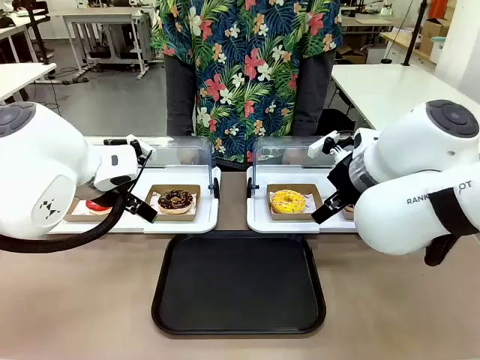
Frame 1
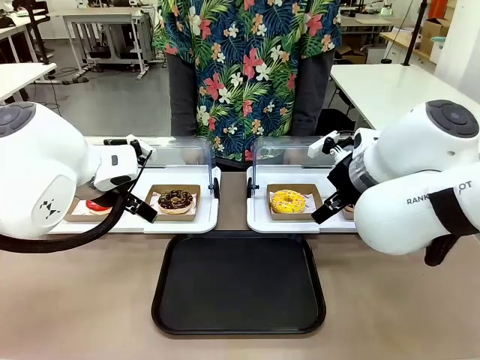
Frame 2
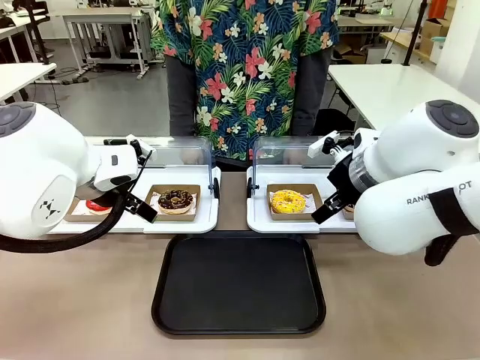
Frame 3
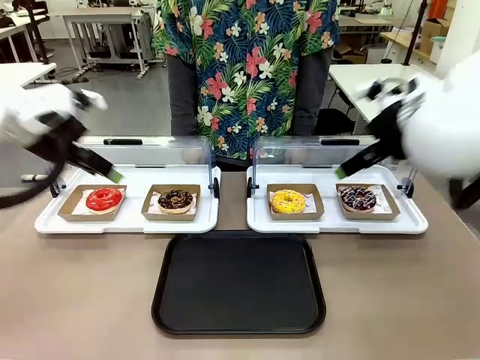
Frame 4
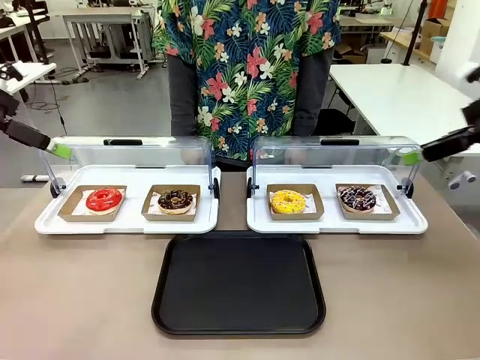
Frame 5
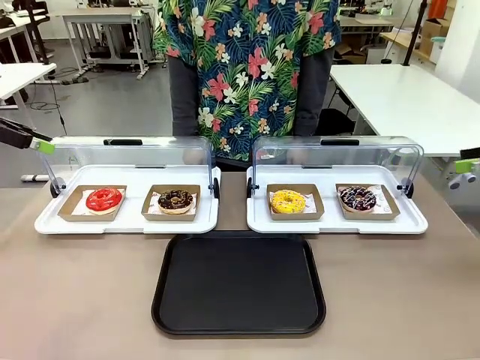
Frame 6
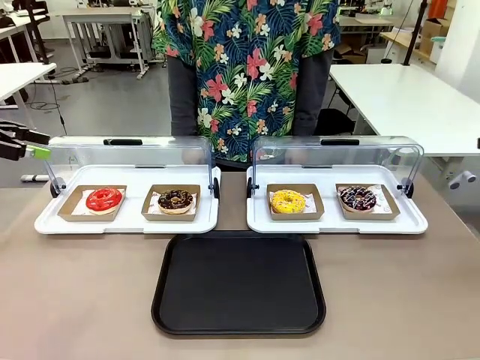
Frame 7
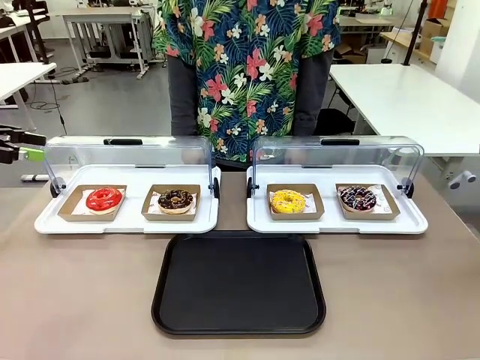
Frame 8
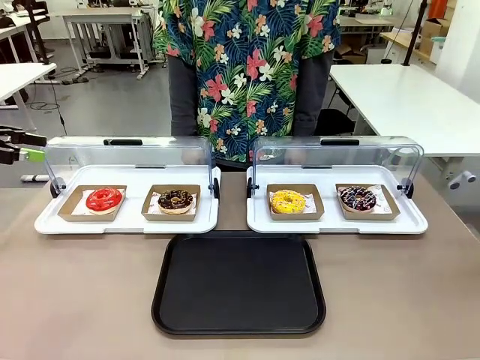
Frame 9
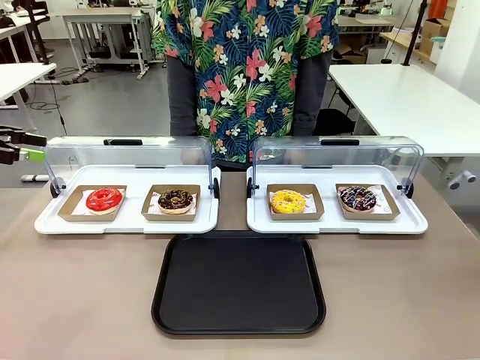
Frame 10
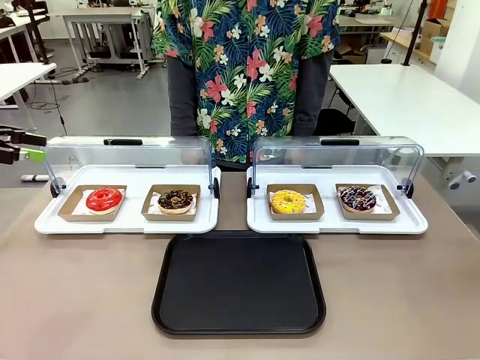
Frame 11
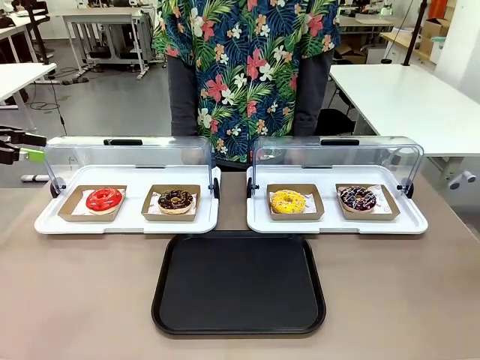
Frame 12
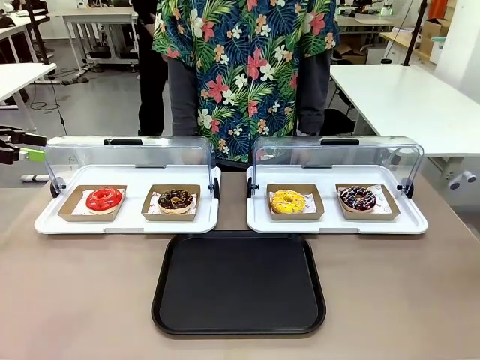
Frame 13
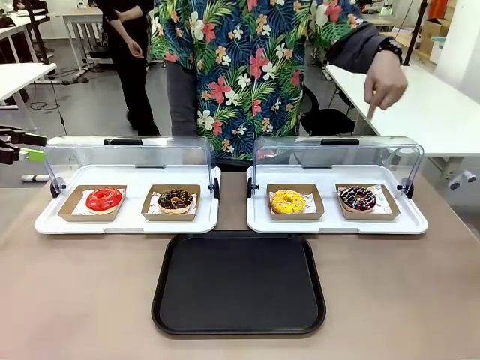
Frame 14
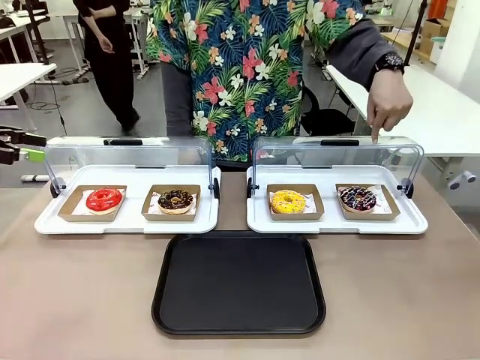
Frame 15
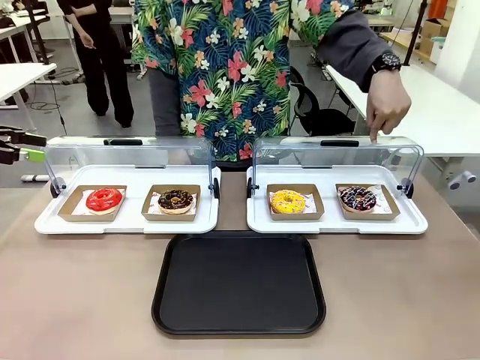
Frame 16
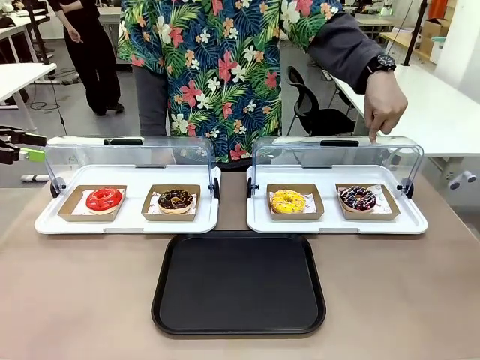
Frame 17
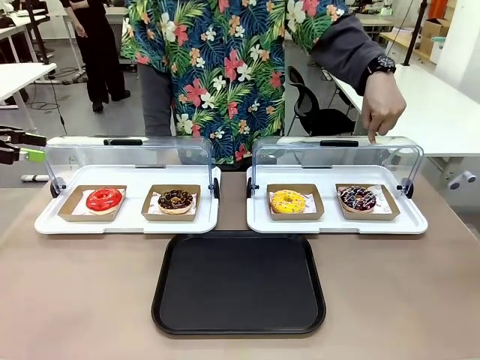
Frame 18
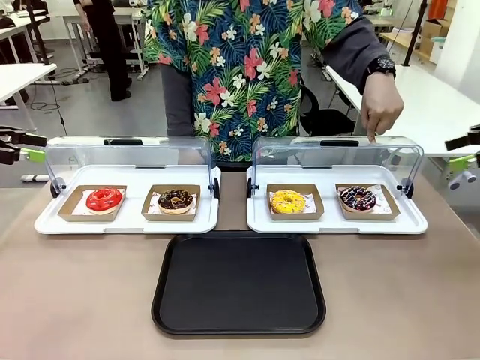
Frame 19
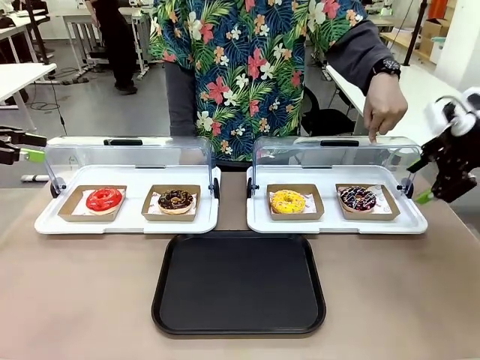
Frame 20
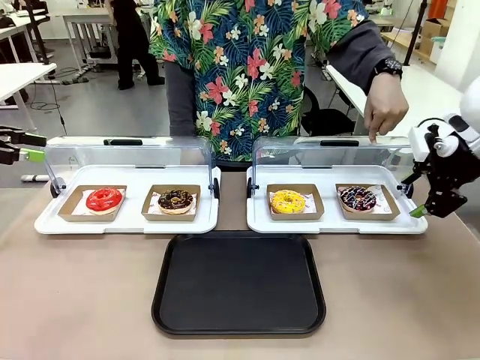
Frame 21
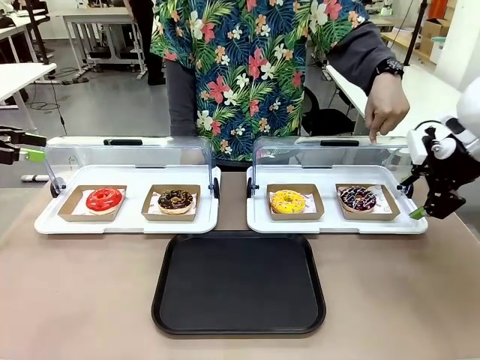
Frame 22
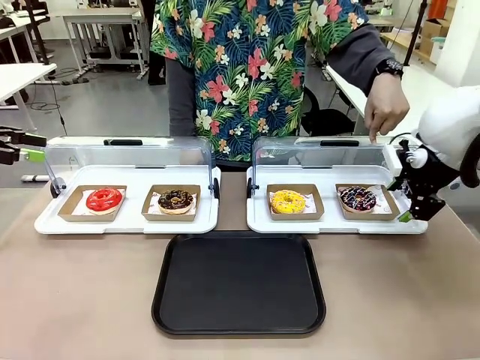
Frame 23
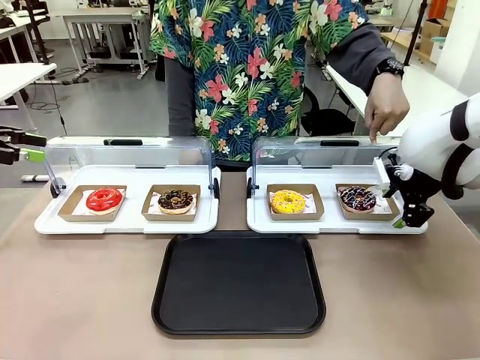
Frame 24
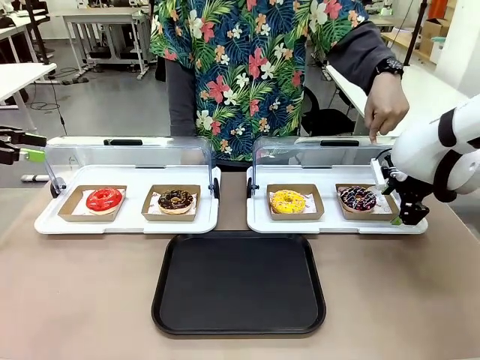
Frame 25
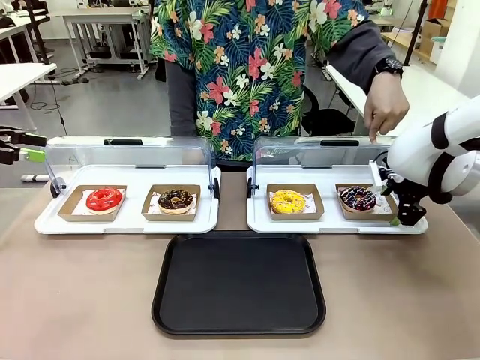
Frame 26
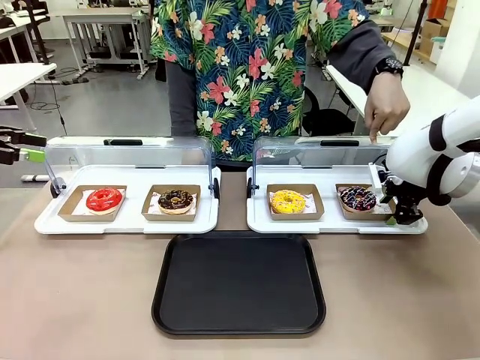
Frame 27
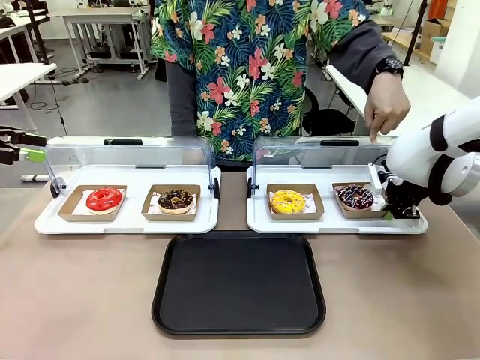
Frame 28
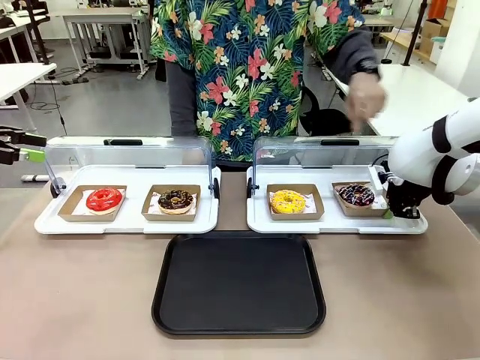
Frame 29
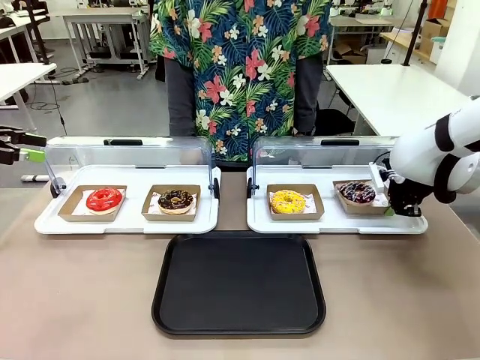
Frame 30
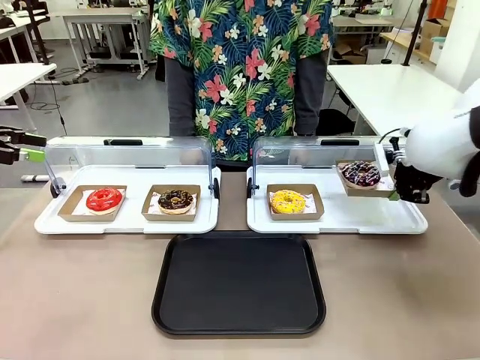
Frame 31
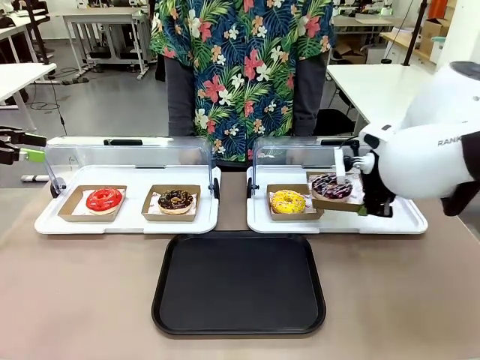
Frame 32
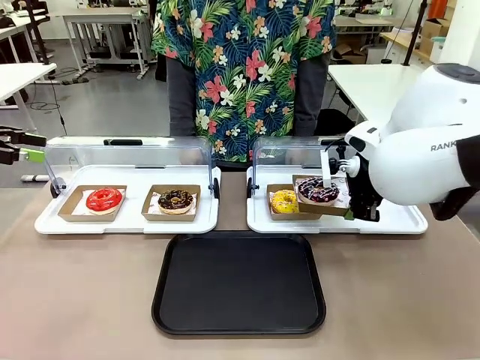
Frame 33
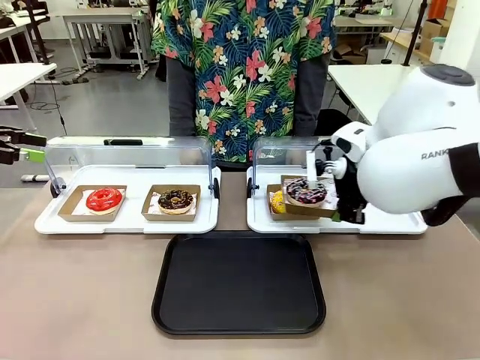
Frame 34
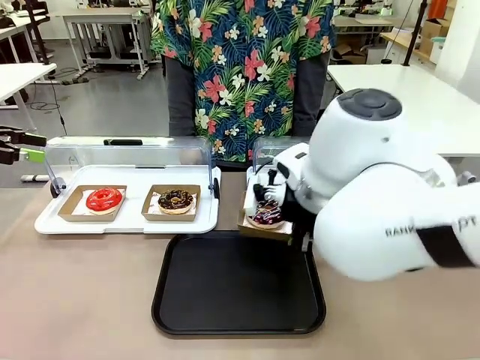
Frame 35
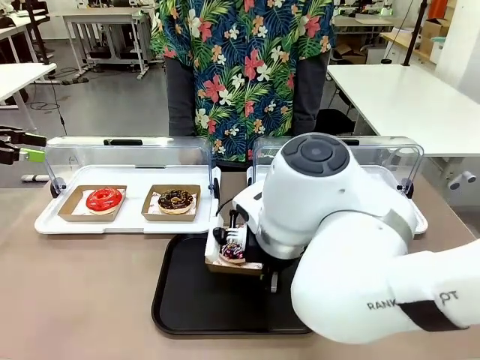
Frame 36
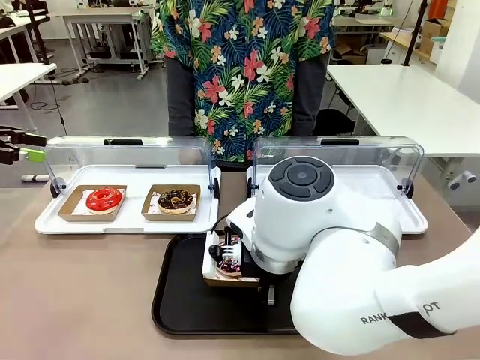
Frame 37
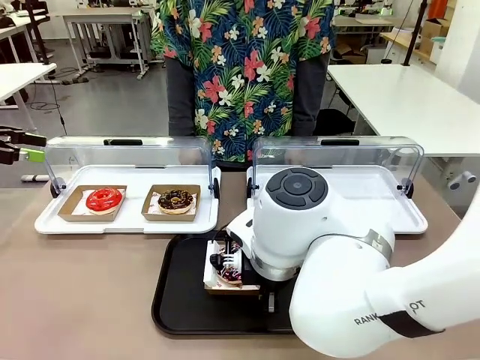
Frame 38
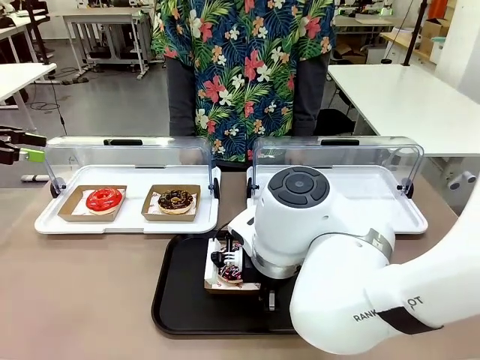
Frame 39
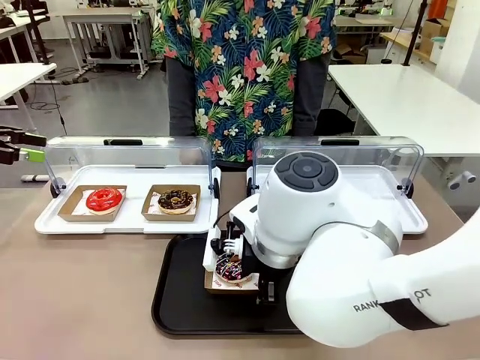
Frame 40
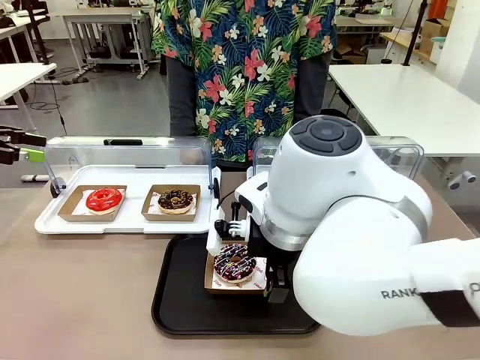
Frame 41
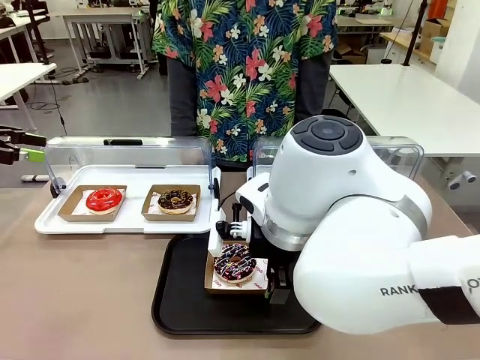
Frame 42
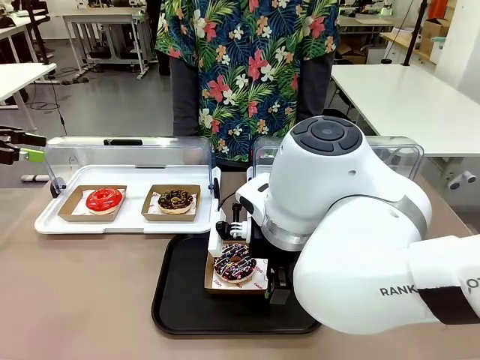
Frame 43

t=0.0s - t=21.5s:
Task: Move the fourth donut from the left to the tray.
Robot: Pick up the Paper togo box containing the Donut indicated by the person and place it on the Handle tray.
Person: Points to the fourth donut from the left from the robot’s perspective.
